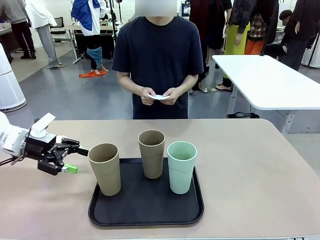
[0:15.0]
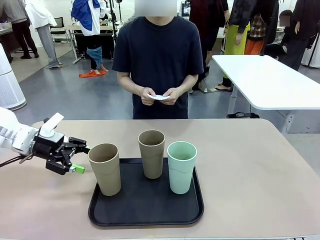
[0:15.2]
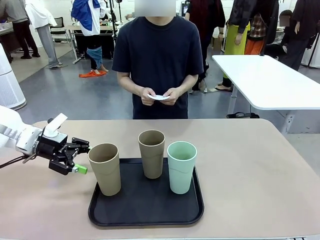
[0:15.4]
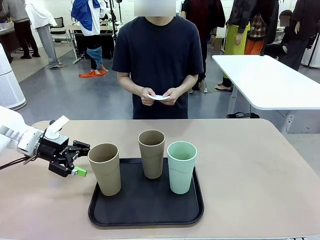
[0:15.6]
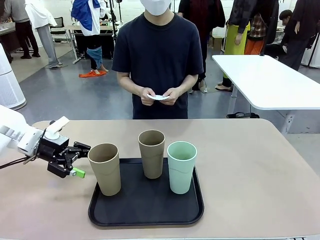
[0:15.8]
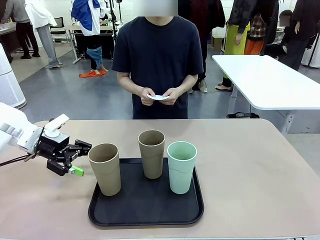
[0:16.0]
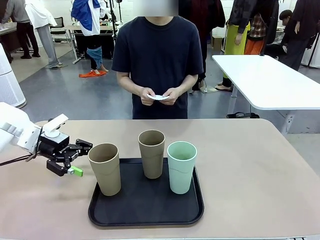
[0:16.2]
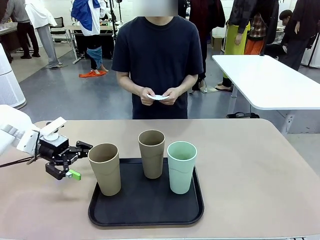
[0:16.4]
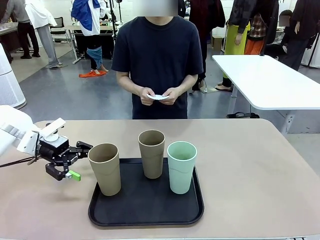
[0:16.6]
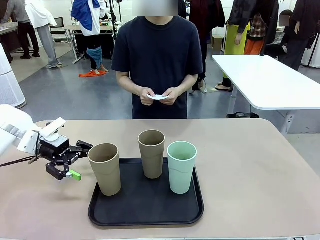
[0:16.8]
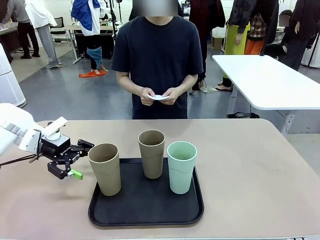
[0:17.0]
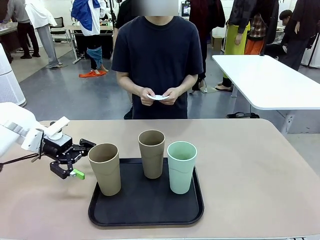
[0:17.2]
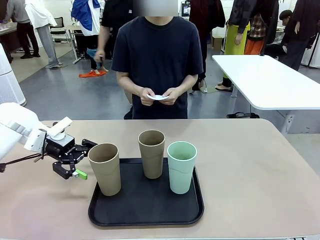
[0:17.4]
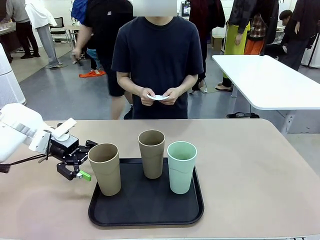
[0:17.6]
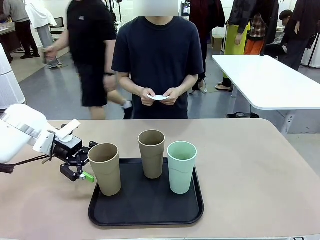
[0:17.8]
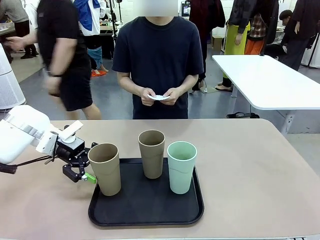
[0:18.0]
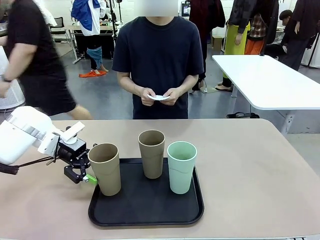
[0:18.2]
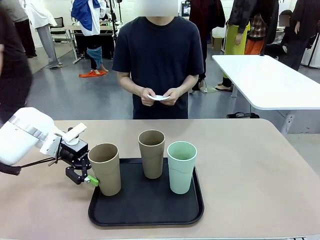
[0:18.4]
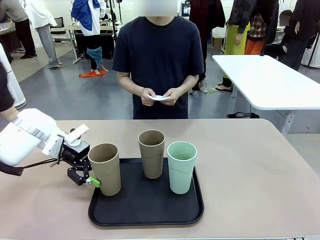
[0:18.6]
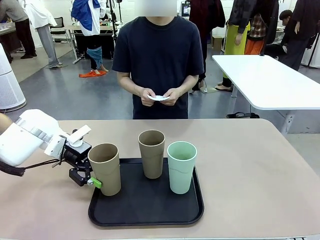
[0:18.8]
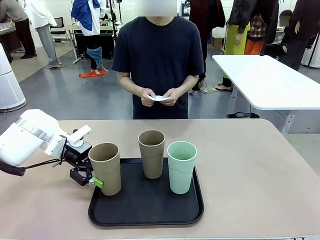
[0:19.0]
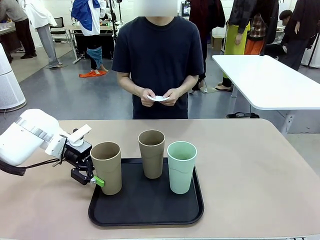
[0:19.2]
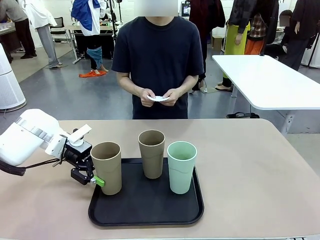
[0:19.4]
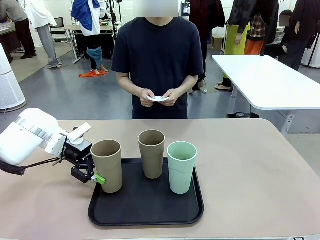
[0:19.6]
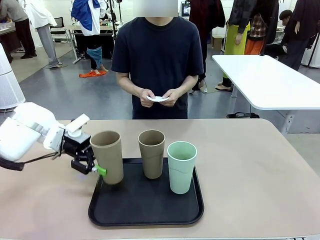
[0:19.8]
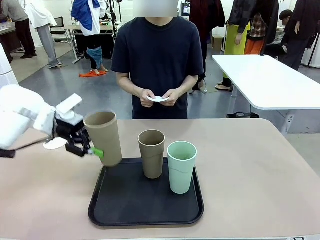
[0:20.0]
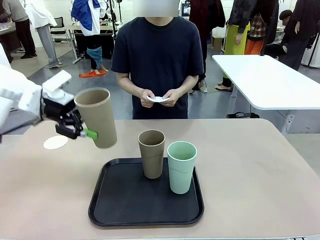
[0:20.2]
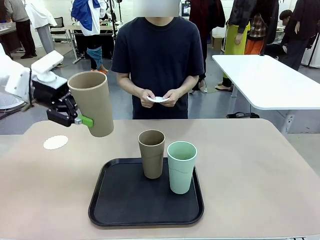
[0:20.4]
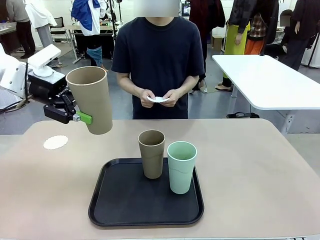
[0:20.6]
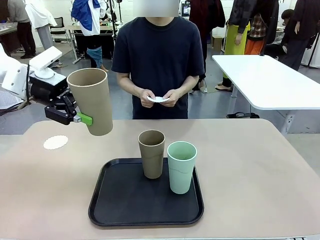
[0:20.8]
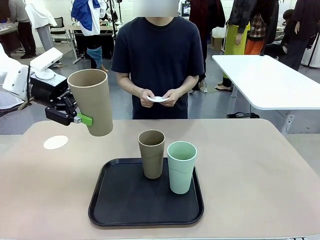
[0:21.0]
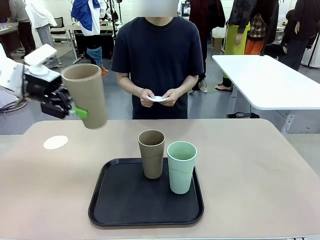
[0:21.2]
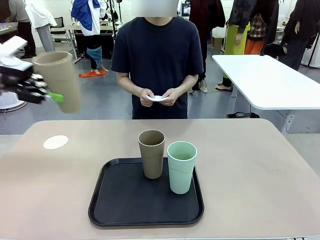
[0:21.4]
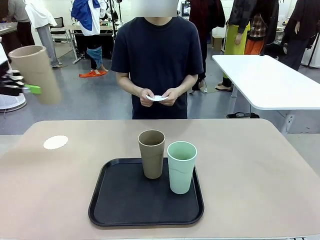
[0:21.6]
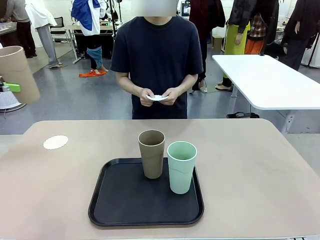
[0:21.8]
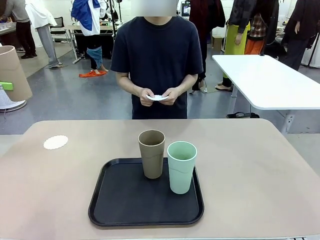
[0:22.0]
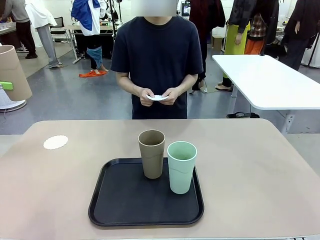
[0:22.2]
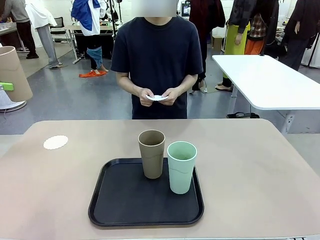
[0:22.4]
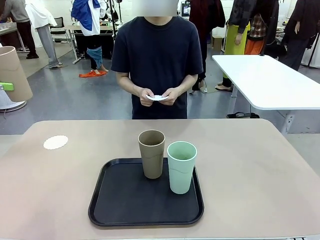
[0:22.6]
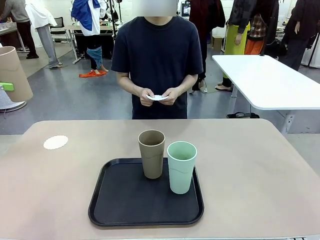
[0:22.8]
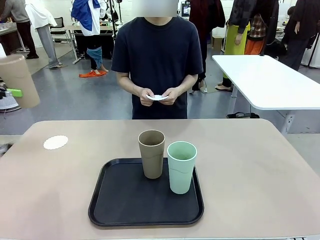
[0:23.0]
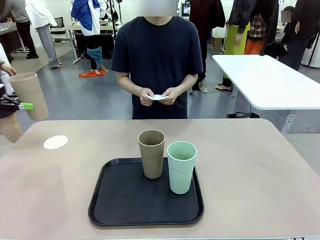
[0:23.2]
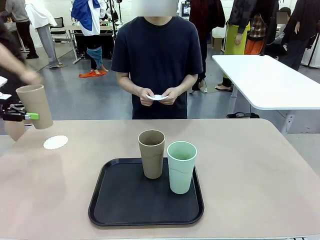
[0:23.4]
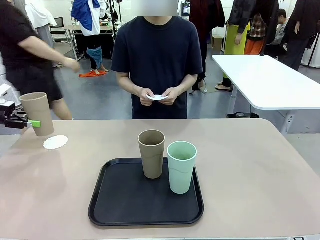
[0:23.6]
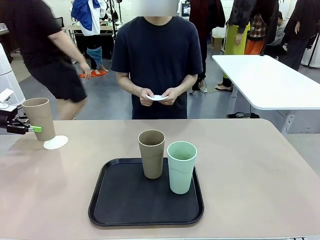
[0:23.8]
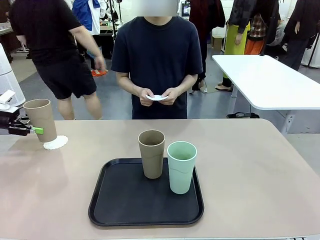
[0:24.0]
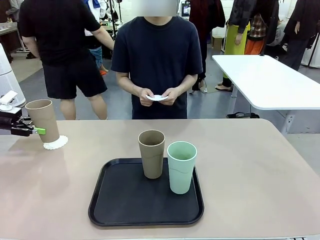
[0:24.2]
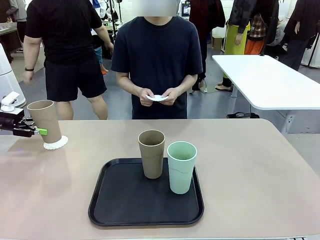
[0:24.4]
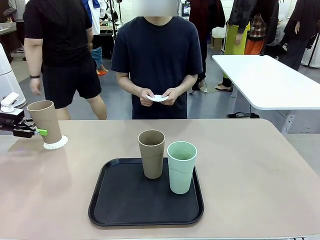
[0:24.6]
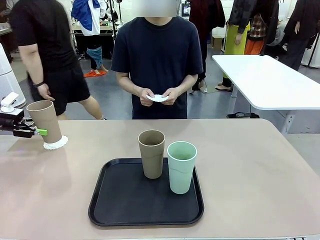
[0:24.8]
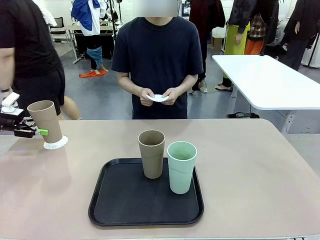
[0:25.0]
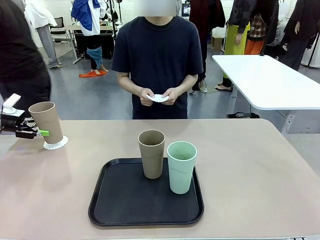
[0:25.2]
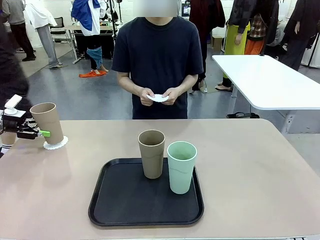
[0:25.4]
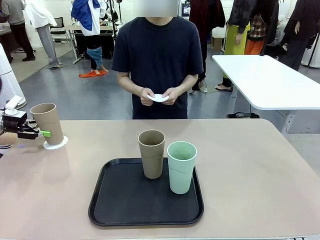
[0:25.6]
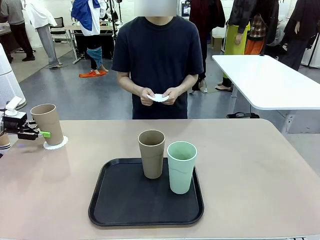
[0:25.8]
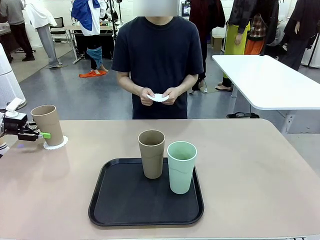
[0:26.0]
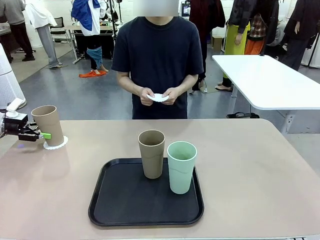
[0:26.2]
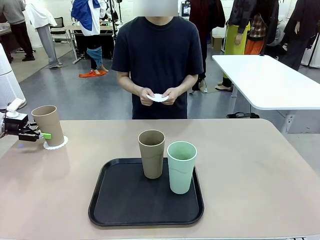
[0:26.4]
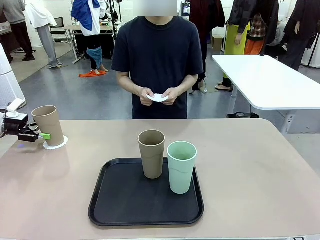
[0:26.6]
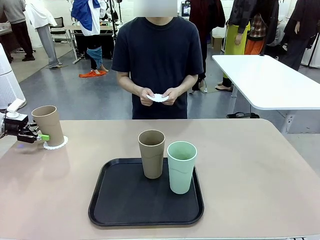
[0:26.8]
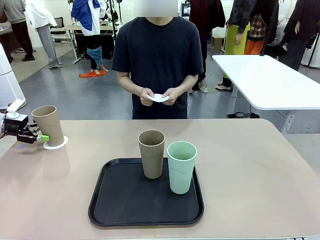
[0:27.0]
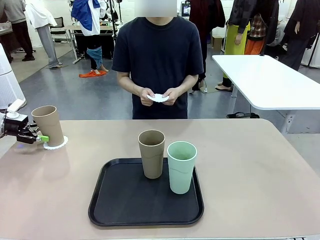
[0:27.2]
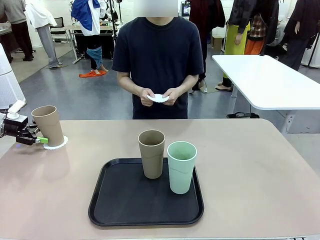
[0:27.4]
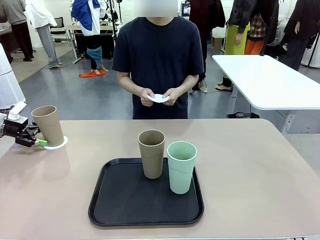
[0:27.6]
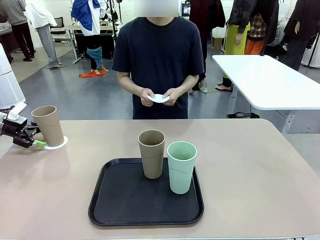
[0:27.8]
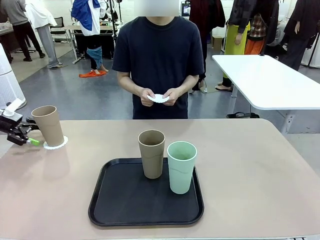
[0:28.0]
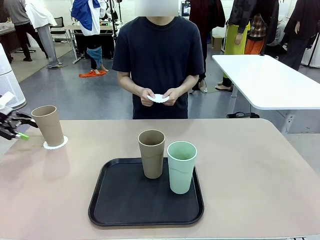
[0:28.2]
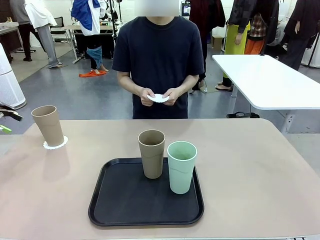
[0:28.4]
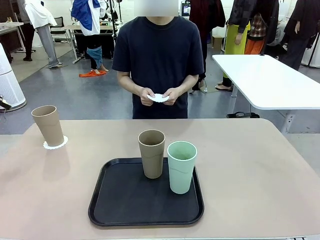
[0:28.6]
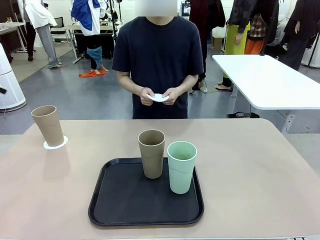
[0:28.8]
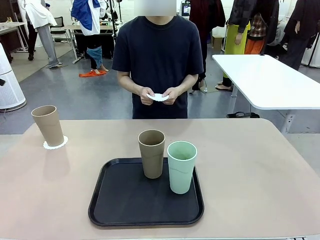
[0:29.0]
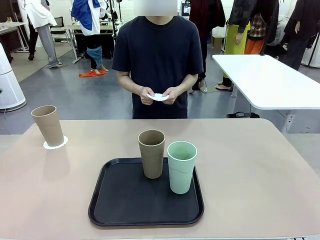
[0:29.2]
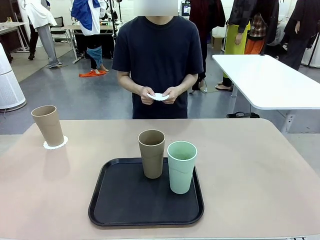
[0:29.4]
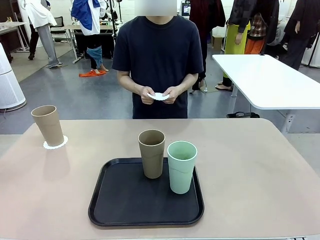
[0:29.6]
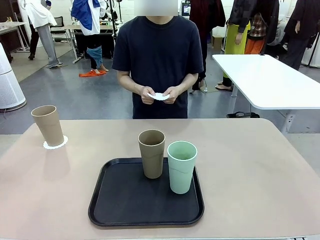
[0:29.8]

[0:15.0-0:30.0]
Task: Place coasters on the table and set cups on them.
Robot: Pick up one Reusable plastic cup and place it on a coaster set by the human.
Person: Place one coaster in one of the two areas excluding the previously selected area.
